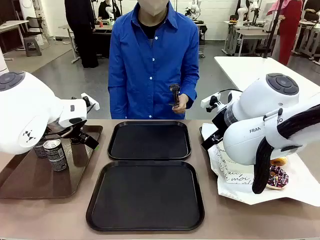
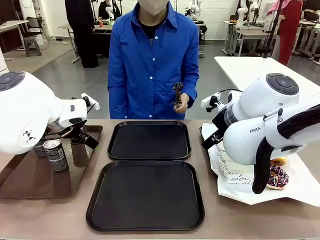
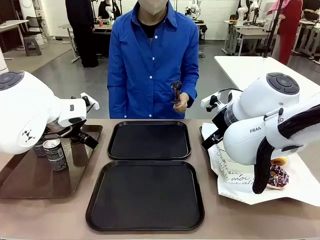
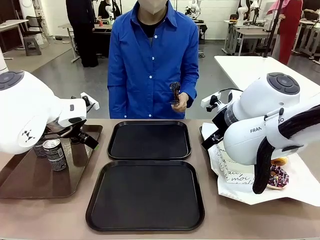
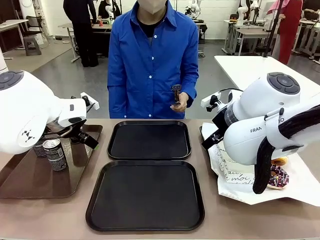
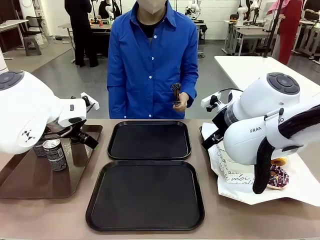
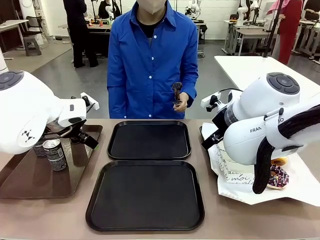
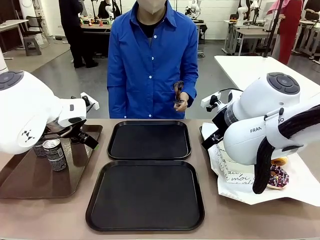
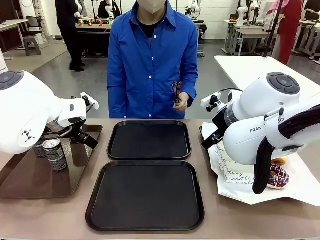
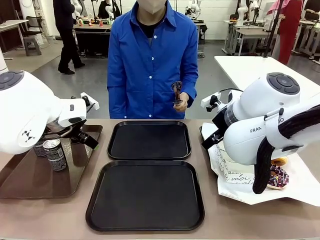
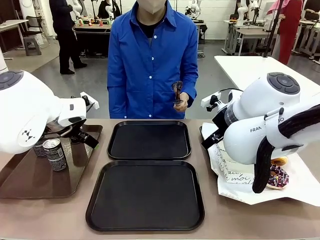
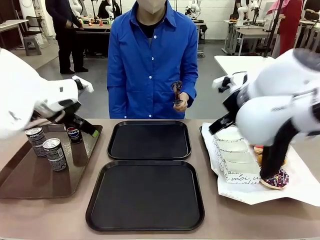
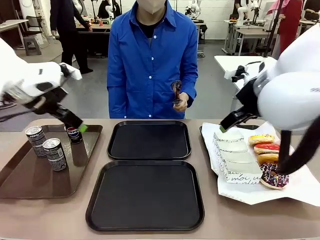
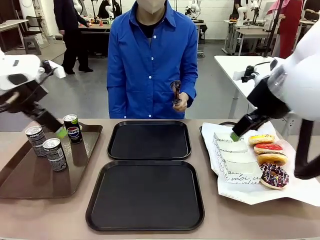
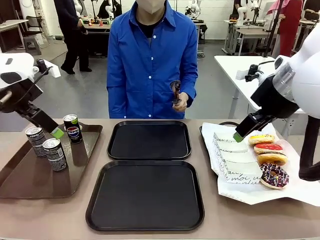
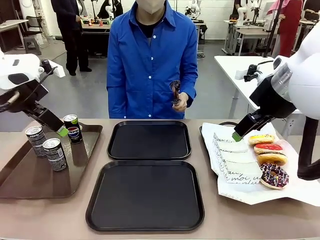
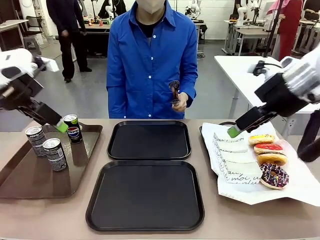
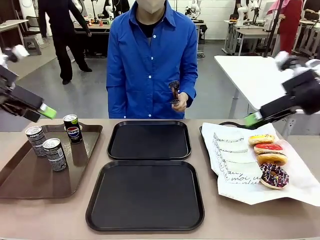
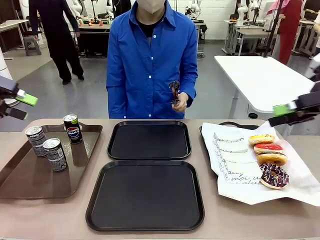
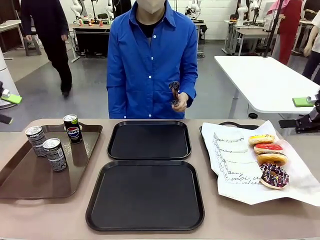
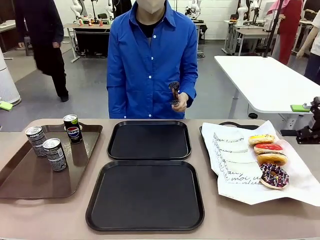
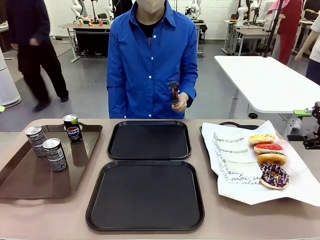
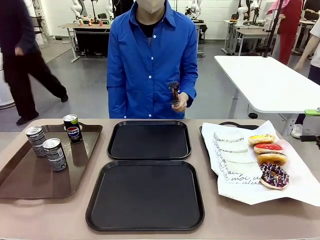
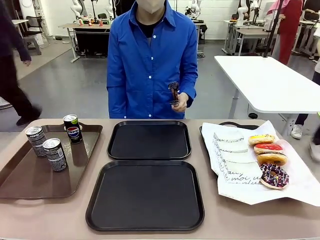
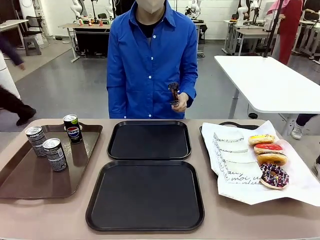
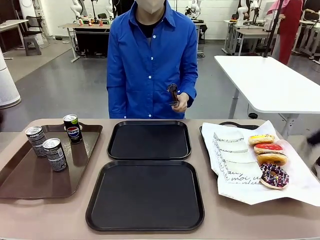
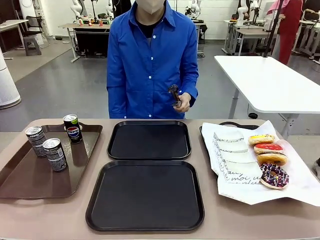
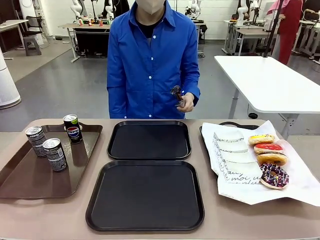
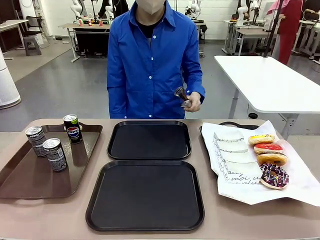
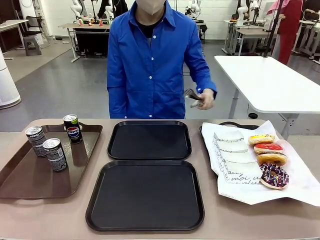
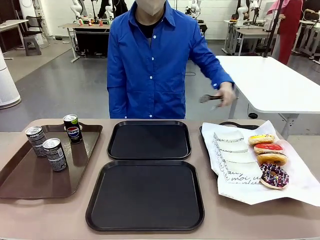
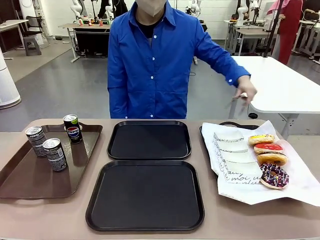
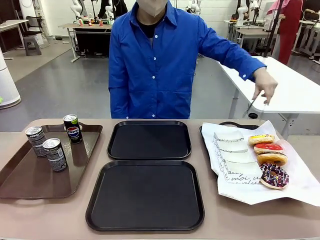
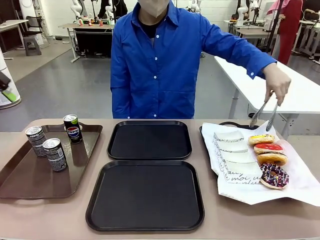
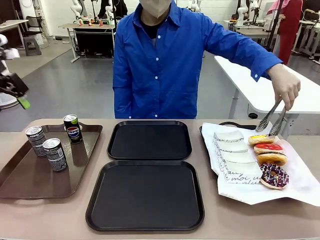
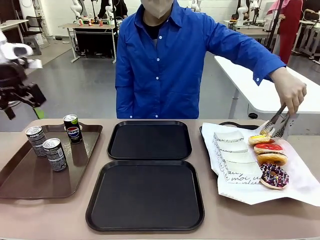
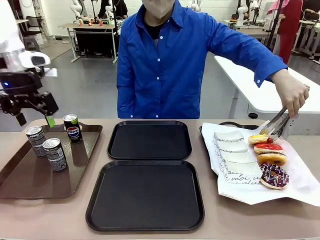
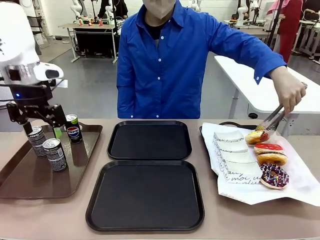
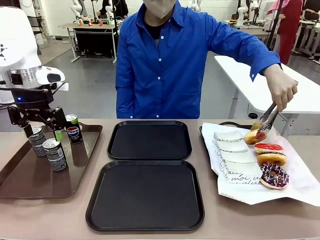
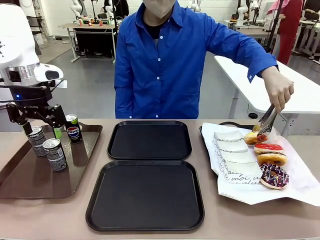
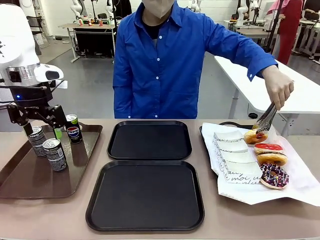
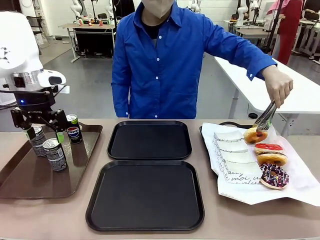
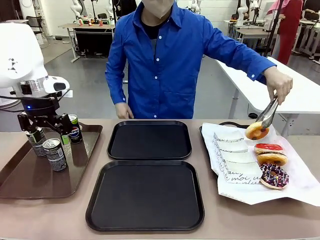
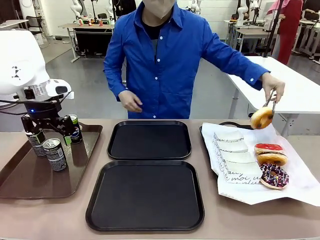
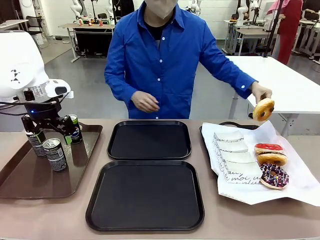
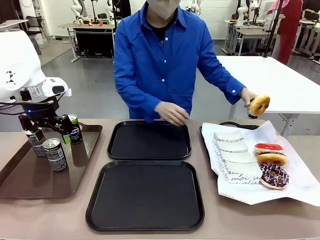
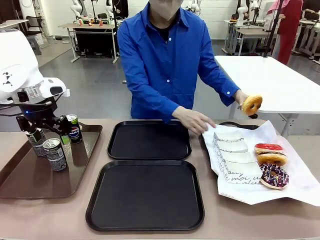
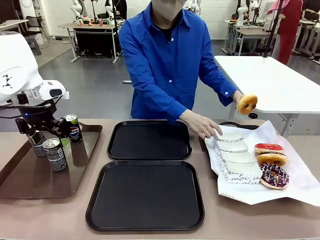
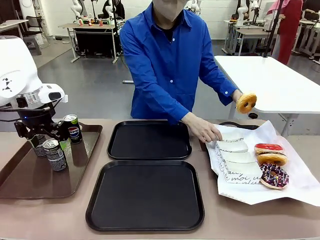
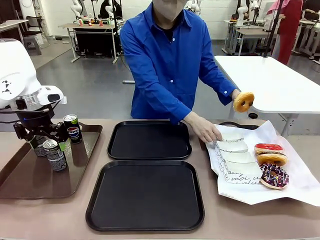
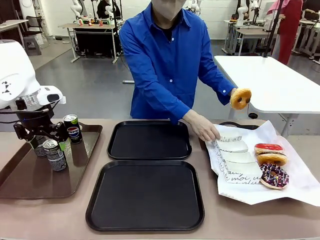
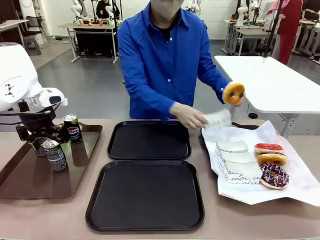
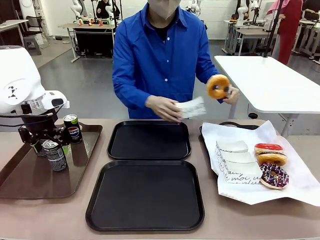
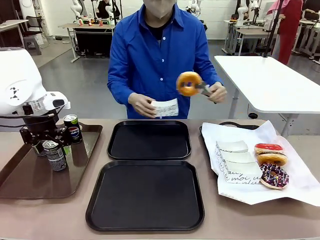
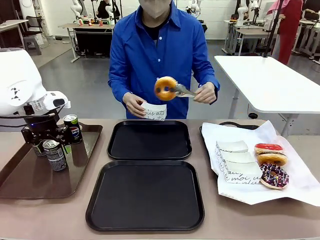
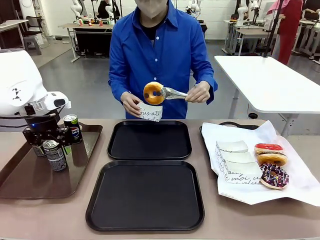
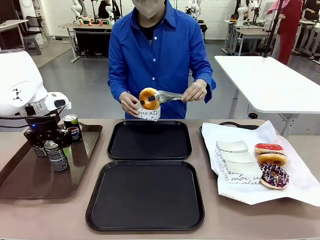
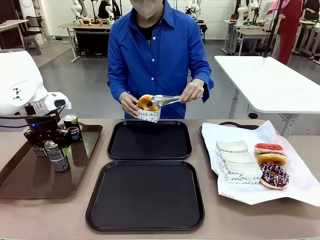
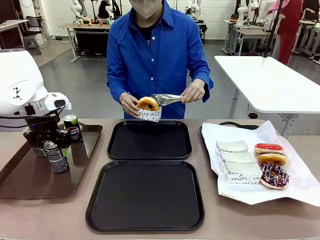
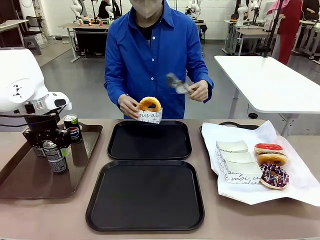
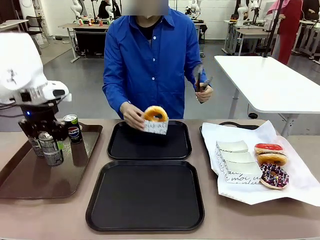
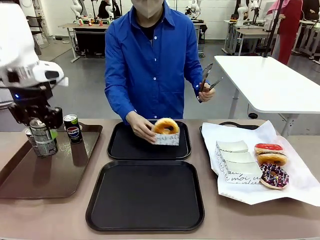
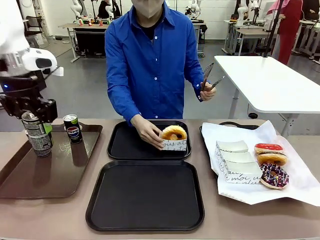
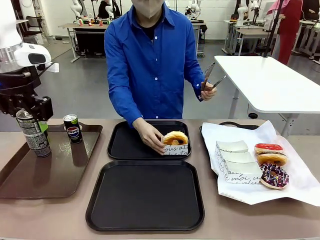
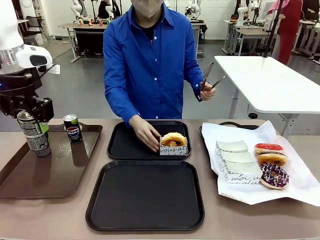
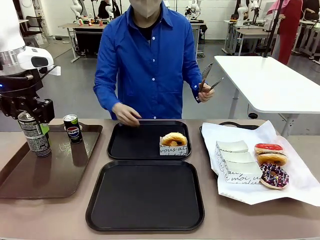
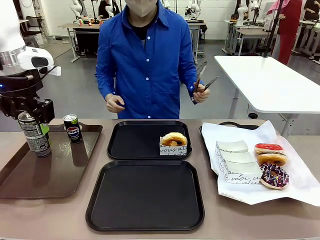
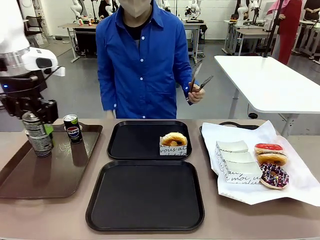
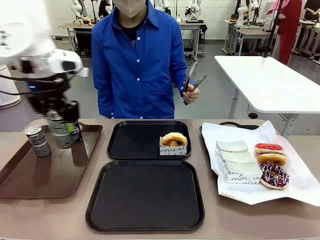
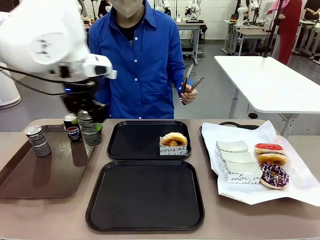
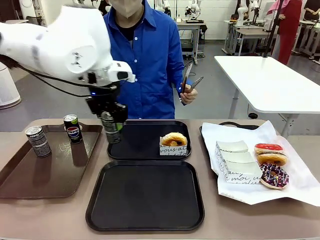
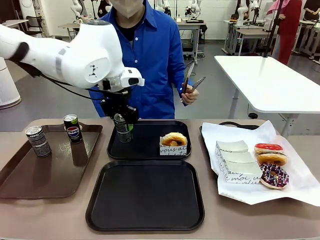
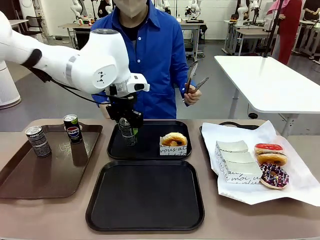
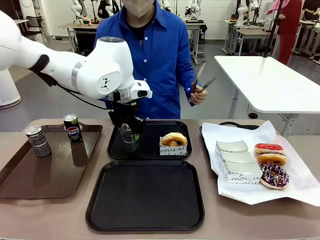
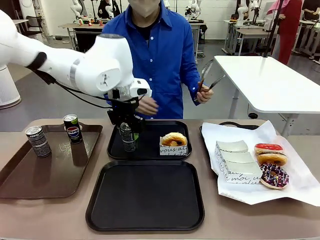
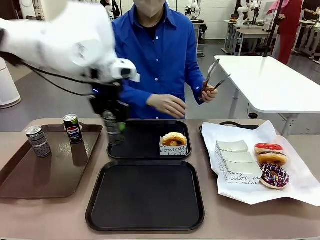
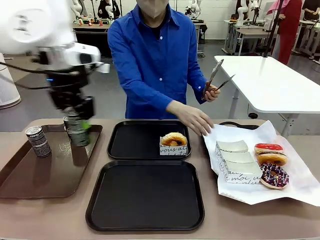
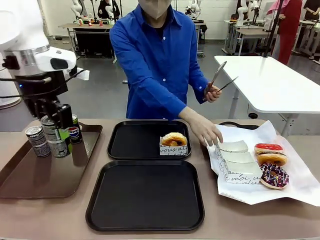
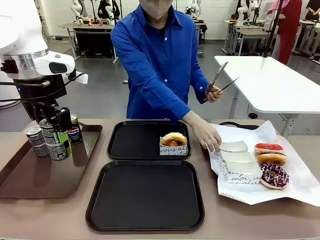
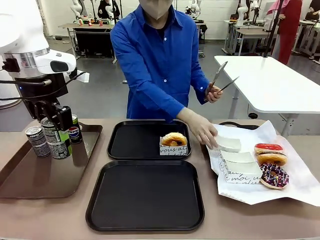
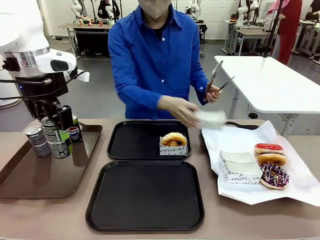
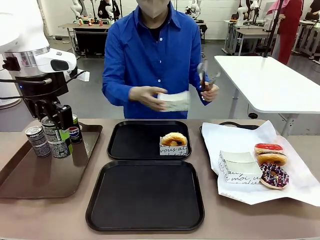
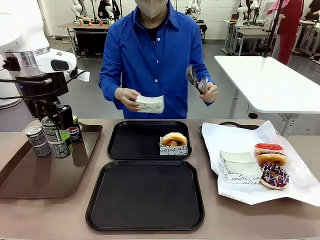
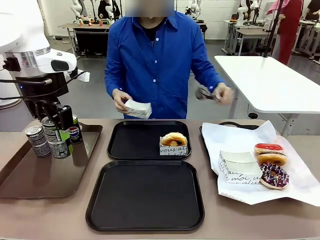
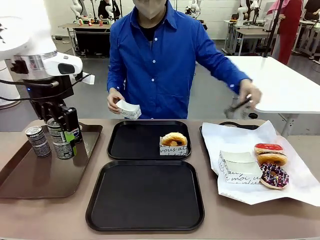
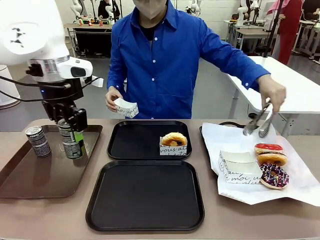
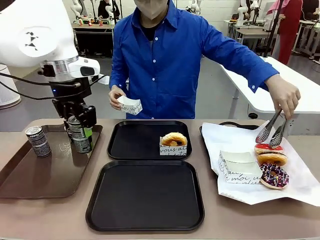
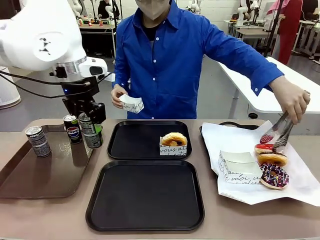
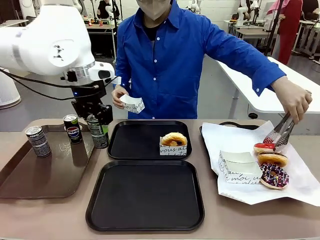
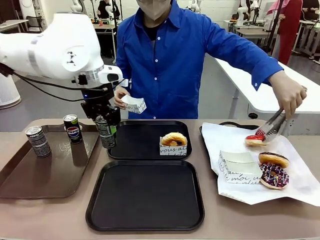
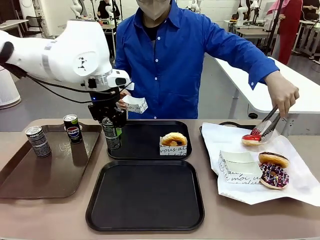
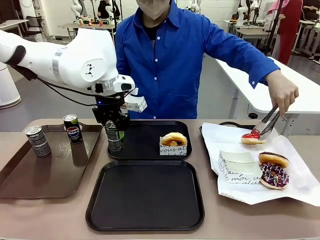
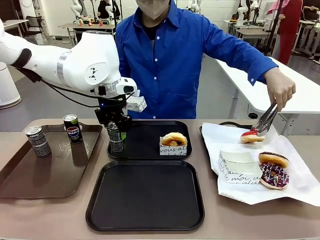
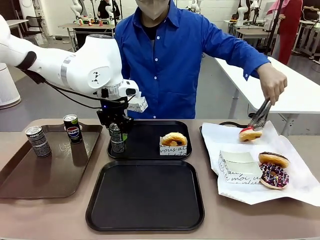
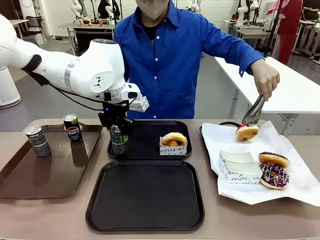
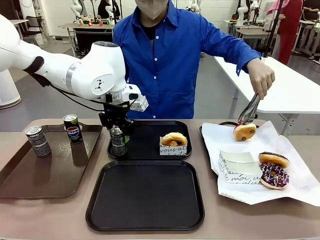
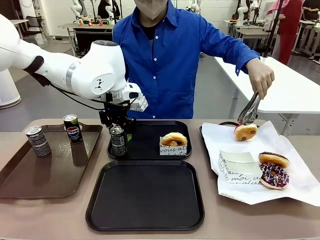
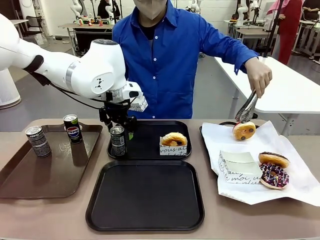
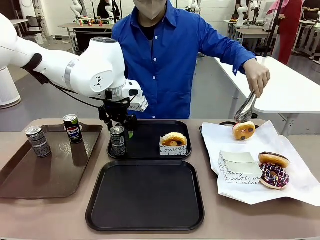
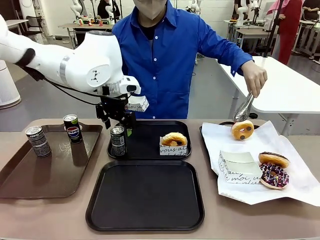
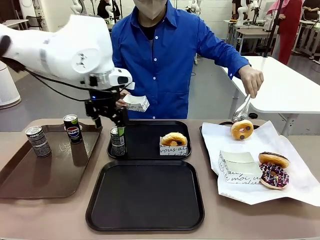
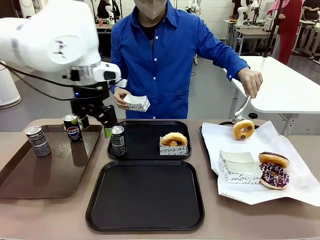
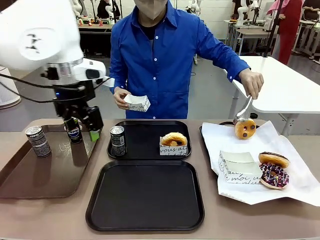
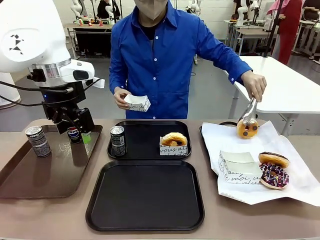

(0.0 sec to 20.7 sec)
Task: Set up donuts and drinks on trays.
Robot: Pick up one Pepsi coke and place it on the Flat Tray.
